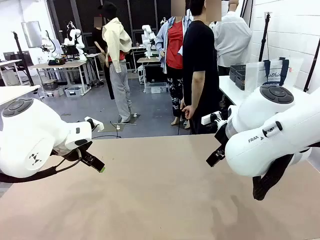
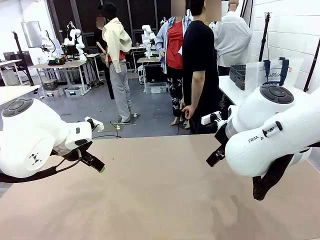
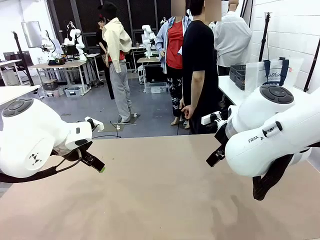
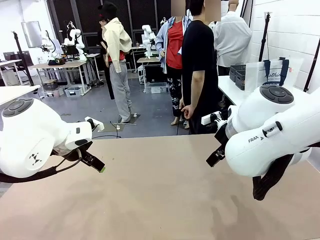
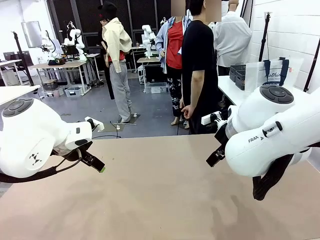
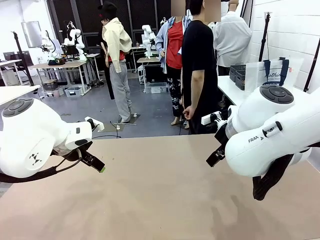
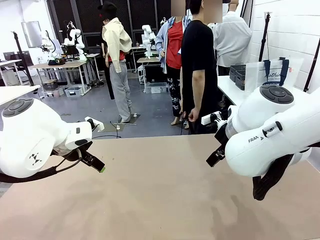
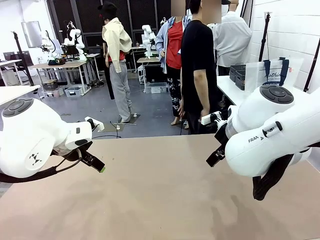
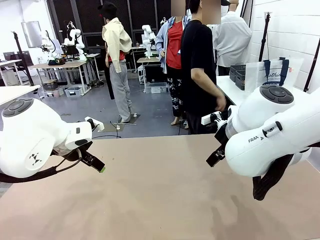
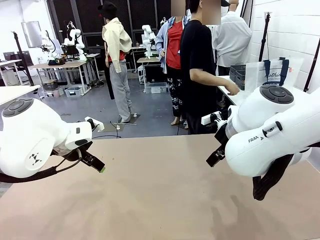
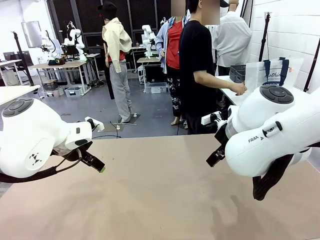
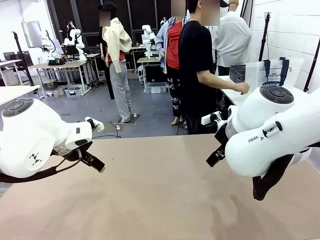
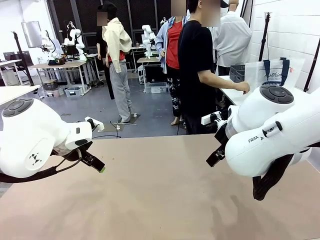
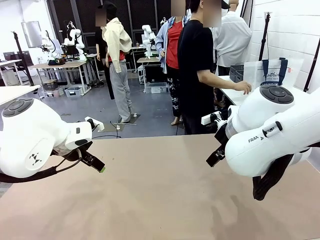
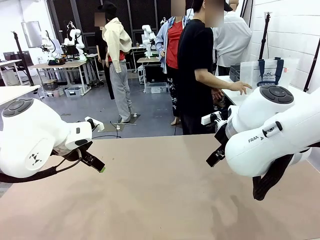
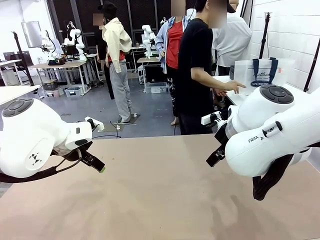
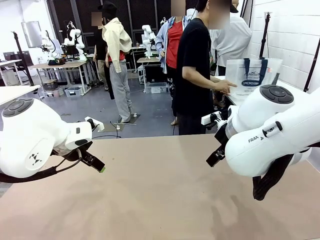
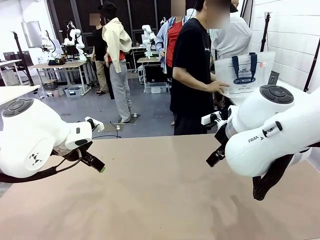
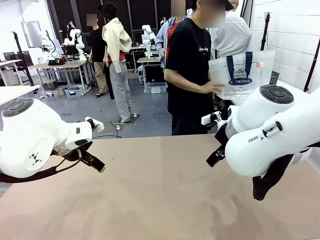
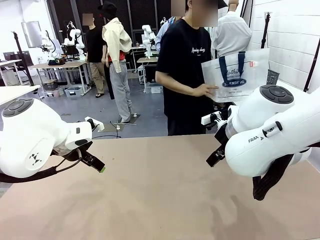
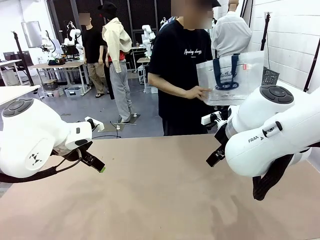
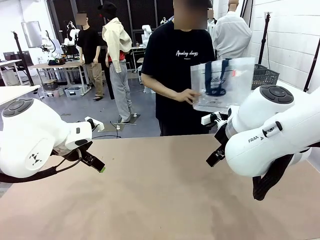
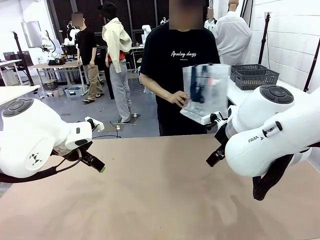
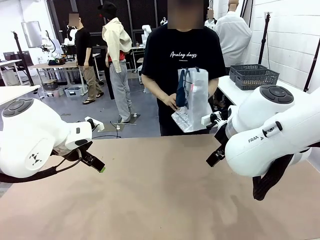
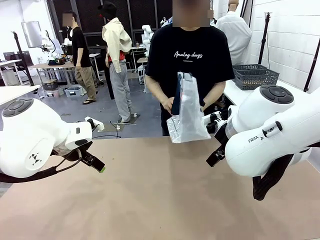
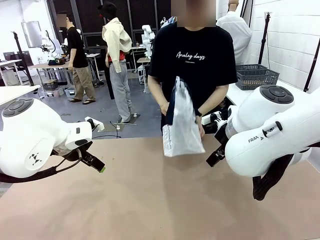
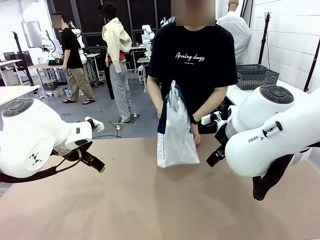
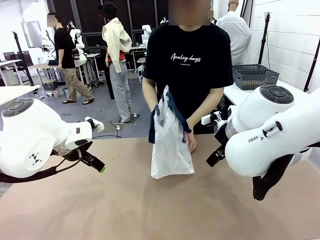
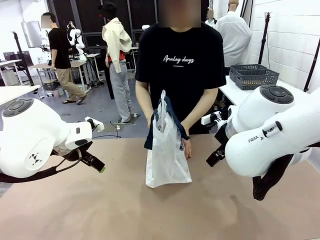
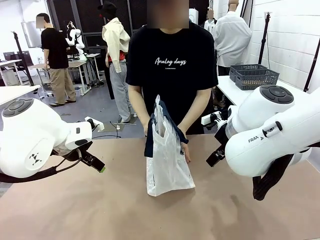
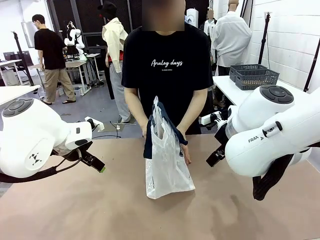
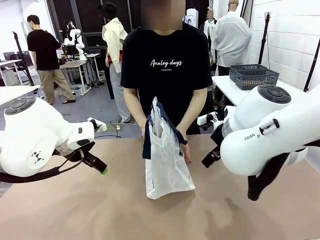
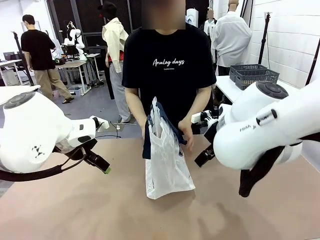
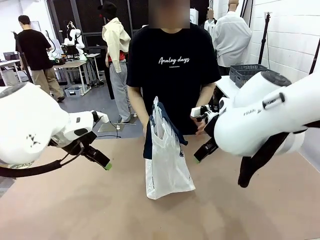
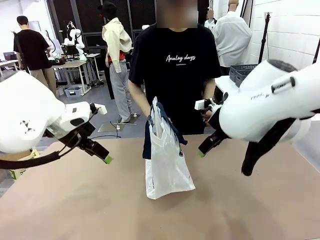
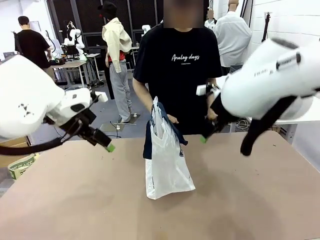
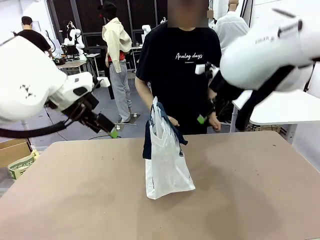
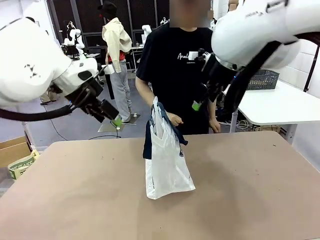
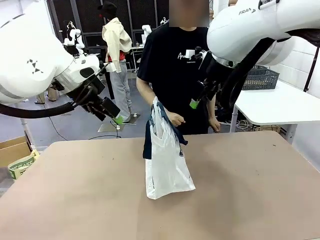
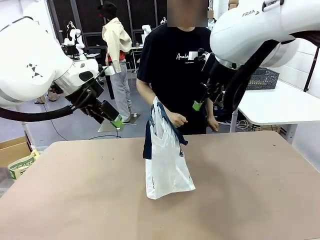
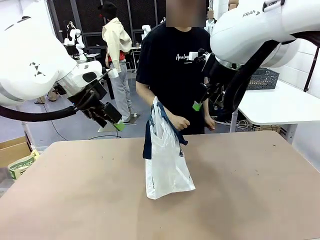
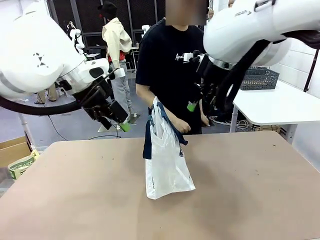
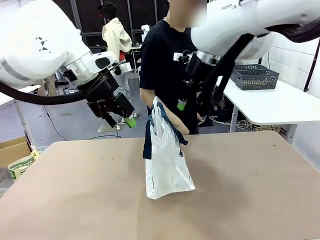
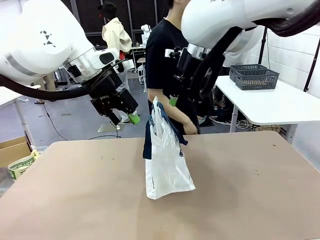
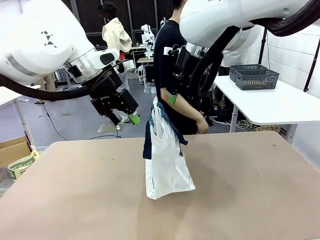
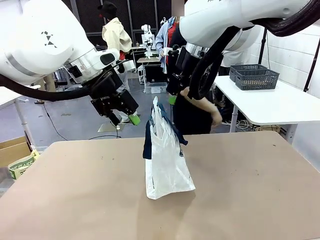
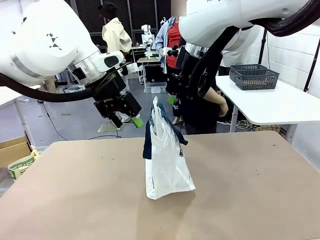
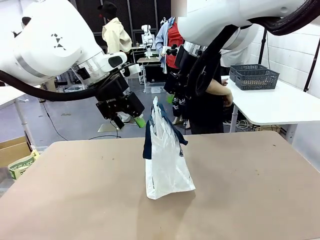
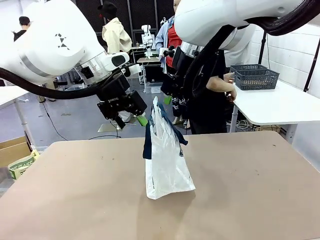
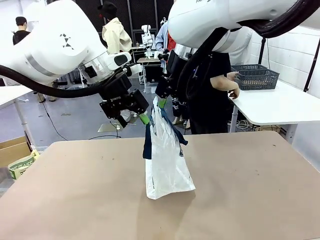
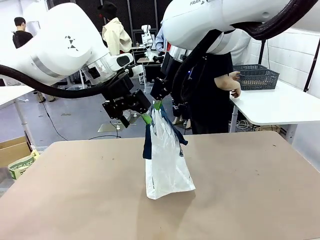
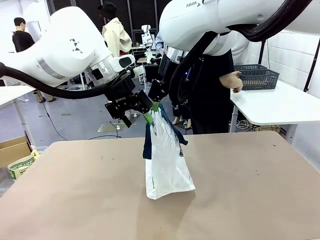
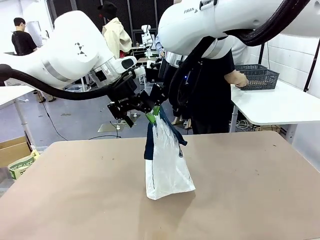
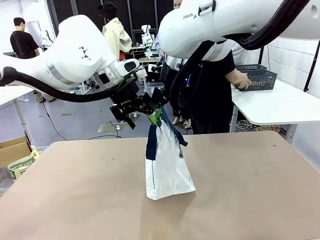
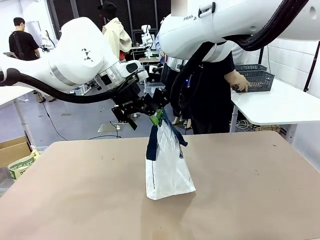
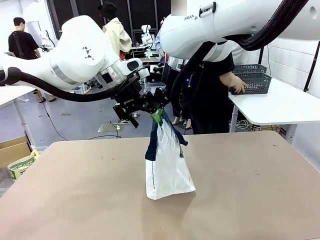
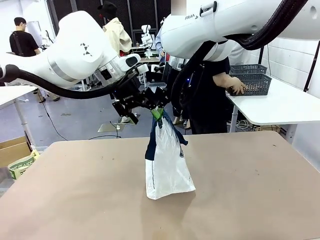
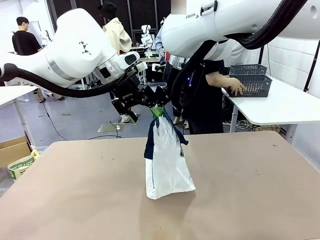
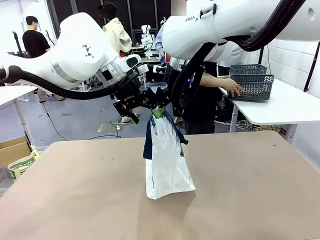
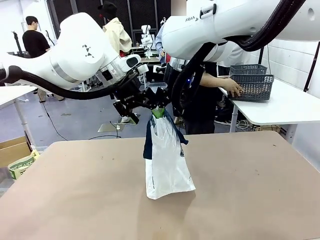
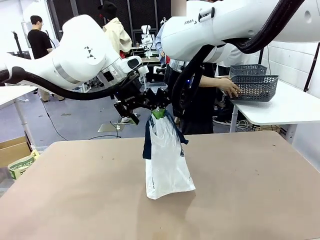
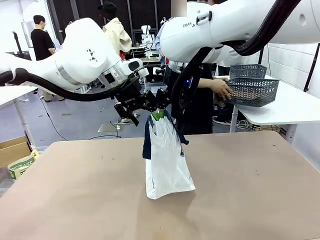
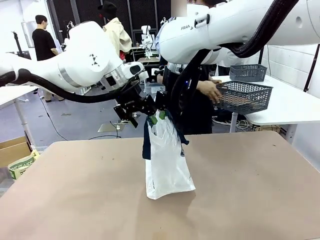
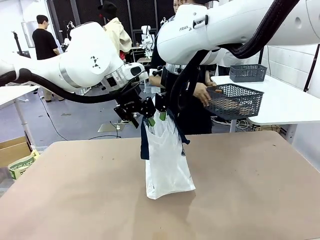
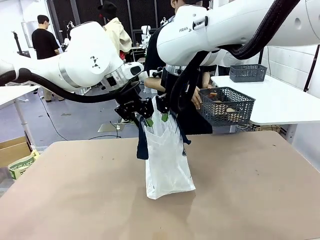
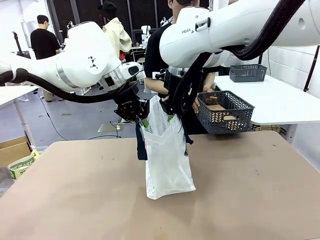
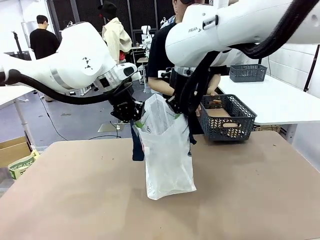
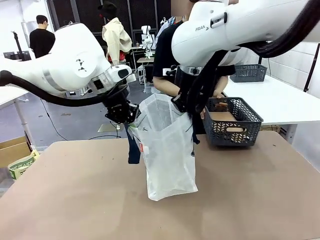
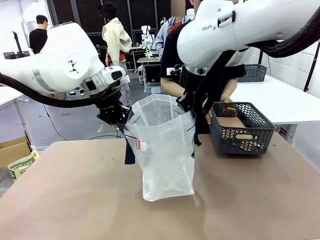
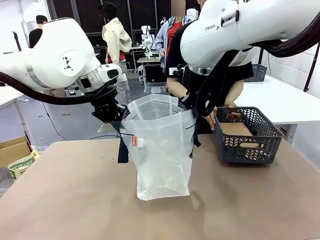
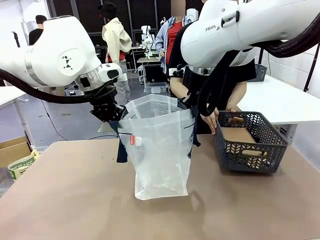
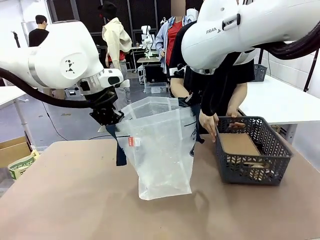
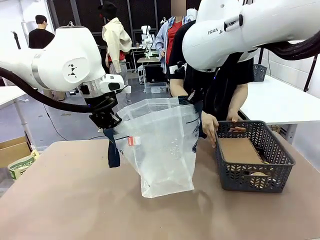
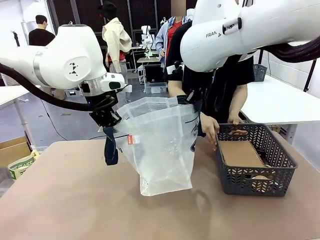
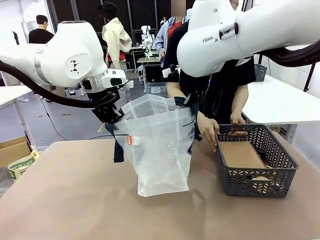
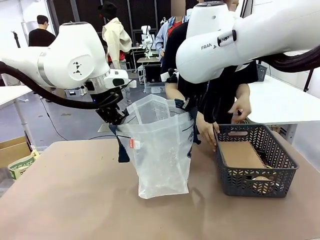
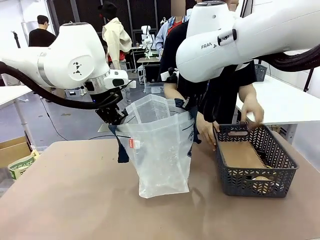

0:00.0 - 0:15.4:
Task: Transfer purchased items from the store into the shopping bag.
Robot: Open the Reusable shopping bag in the center of the table.
Person: Pick up the shopping bag and place it in the middle of the robot table.
